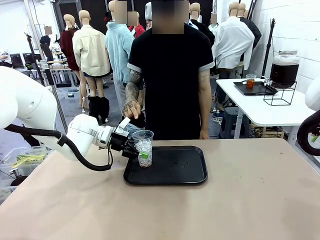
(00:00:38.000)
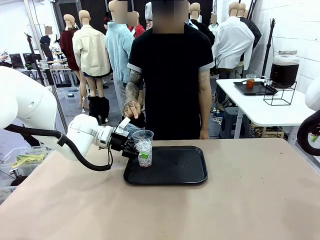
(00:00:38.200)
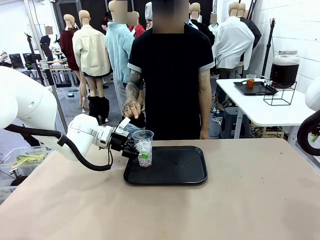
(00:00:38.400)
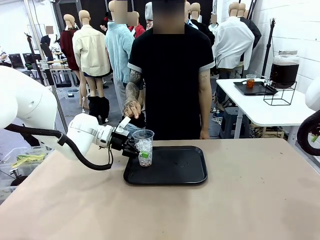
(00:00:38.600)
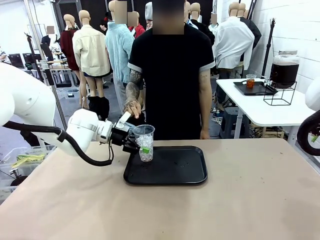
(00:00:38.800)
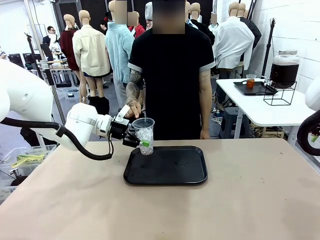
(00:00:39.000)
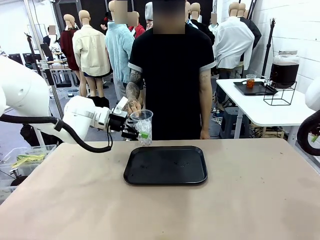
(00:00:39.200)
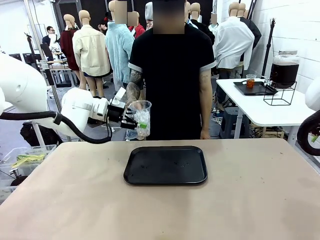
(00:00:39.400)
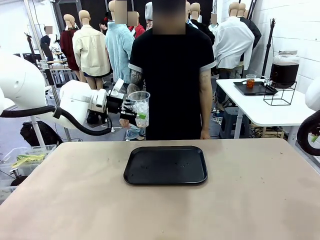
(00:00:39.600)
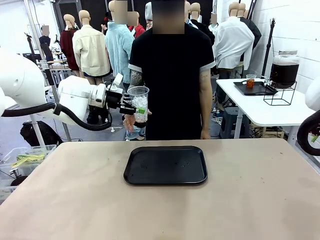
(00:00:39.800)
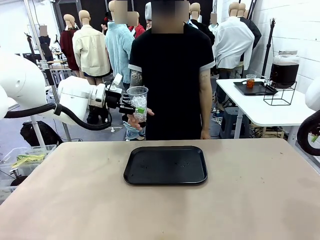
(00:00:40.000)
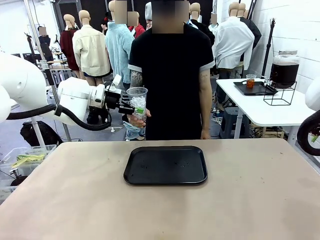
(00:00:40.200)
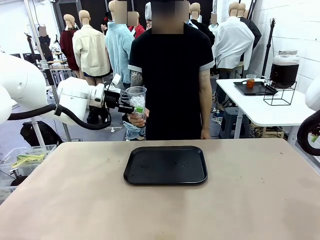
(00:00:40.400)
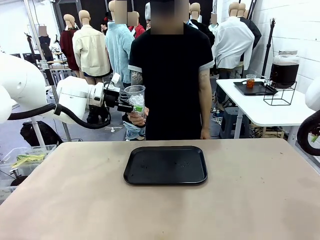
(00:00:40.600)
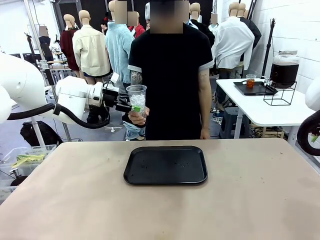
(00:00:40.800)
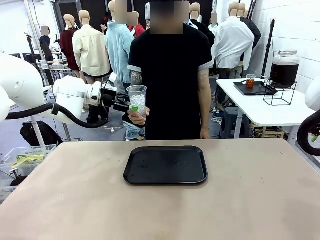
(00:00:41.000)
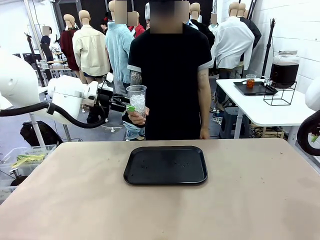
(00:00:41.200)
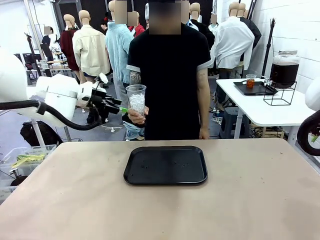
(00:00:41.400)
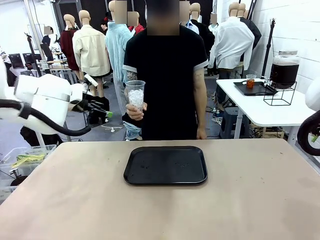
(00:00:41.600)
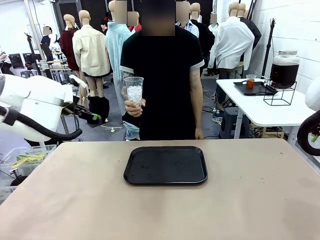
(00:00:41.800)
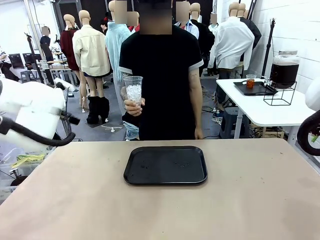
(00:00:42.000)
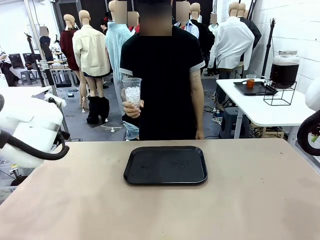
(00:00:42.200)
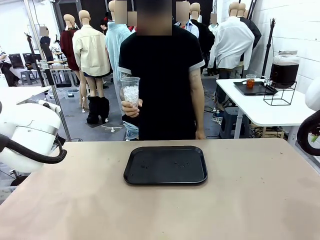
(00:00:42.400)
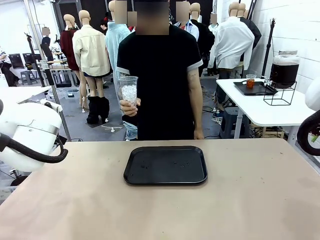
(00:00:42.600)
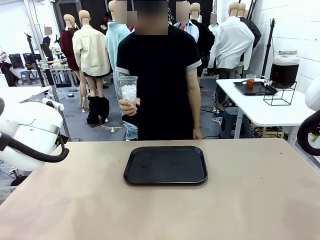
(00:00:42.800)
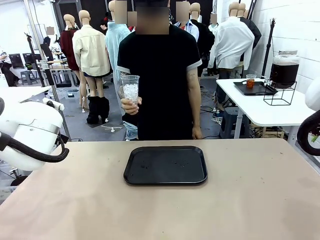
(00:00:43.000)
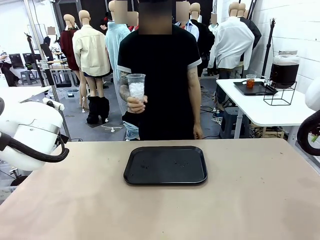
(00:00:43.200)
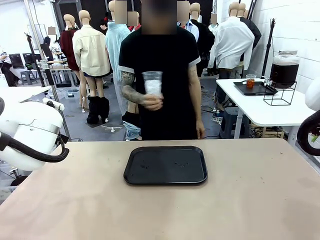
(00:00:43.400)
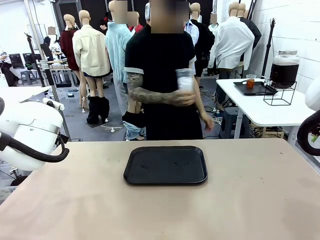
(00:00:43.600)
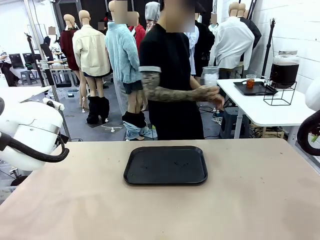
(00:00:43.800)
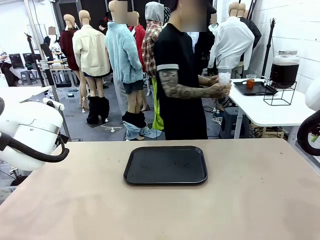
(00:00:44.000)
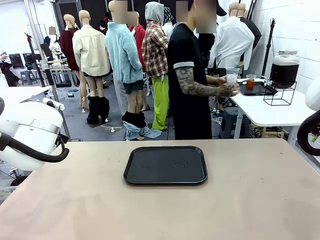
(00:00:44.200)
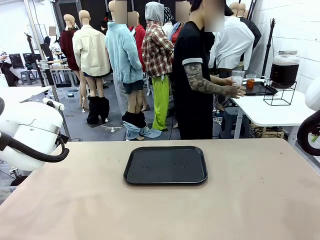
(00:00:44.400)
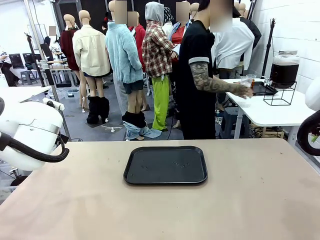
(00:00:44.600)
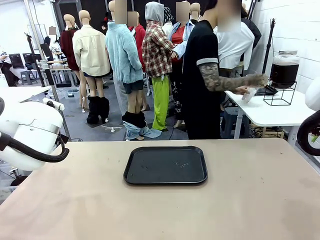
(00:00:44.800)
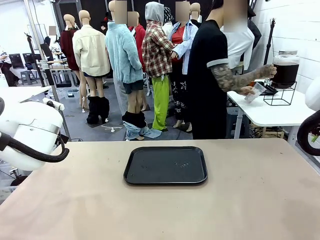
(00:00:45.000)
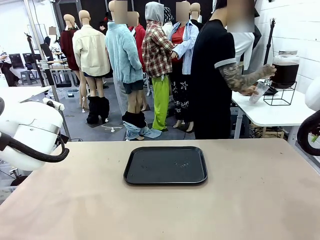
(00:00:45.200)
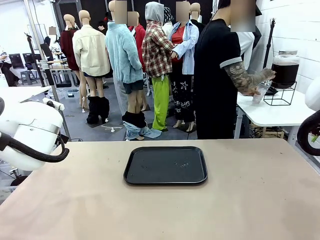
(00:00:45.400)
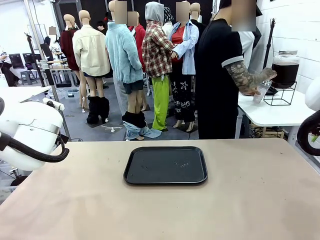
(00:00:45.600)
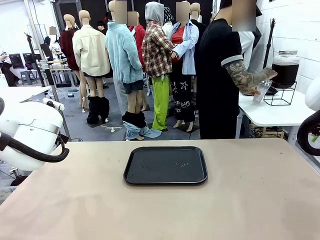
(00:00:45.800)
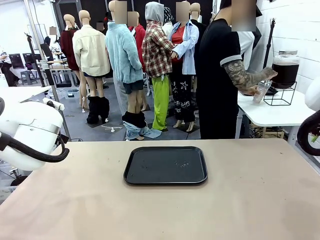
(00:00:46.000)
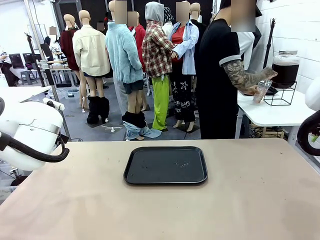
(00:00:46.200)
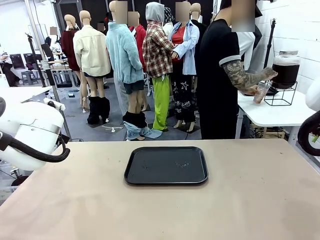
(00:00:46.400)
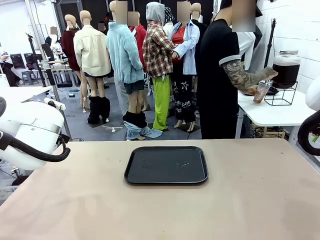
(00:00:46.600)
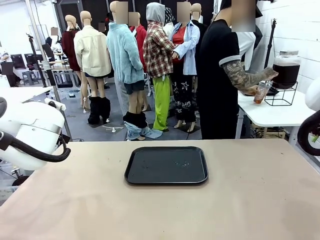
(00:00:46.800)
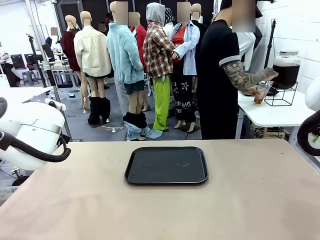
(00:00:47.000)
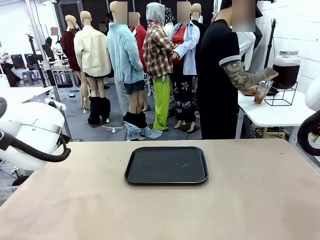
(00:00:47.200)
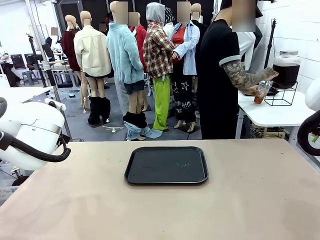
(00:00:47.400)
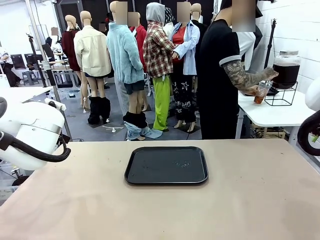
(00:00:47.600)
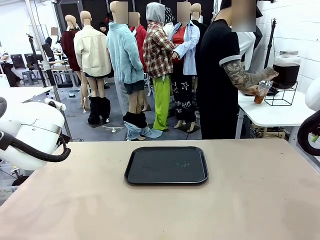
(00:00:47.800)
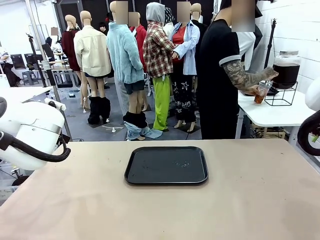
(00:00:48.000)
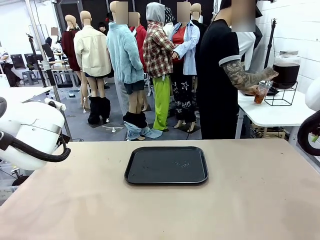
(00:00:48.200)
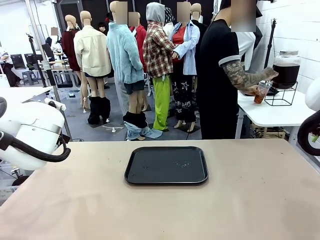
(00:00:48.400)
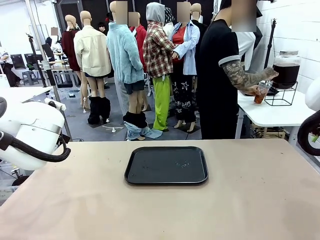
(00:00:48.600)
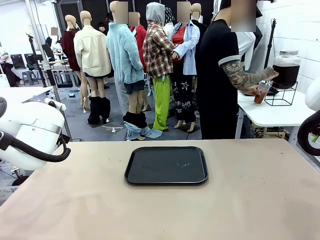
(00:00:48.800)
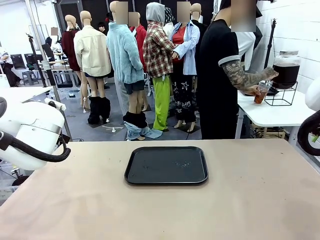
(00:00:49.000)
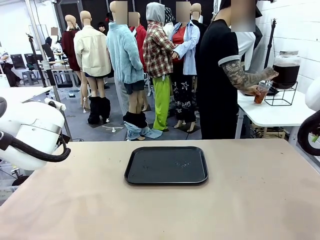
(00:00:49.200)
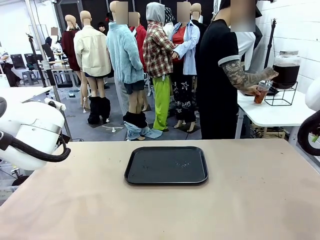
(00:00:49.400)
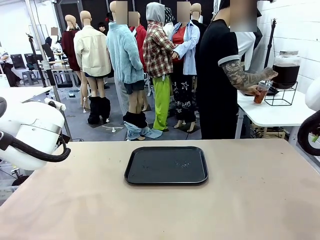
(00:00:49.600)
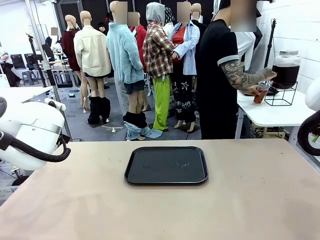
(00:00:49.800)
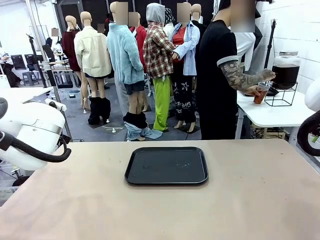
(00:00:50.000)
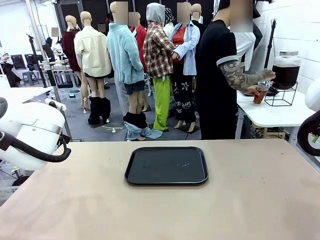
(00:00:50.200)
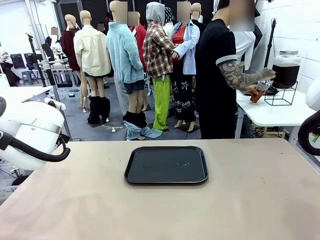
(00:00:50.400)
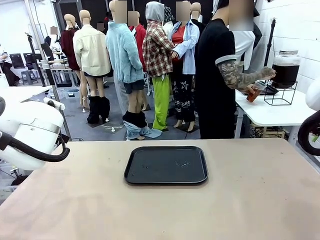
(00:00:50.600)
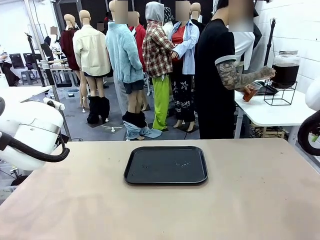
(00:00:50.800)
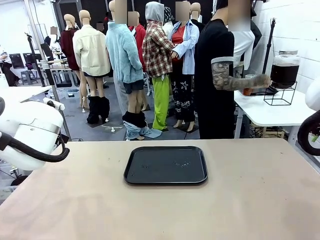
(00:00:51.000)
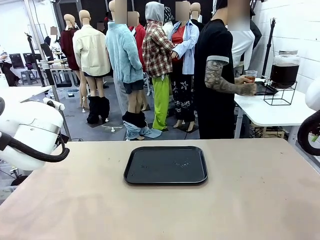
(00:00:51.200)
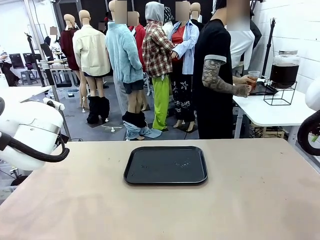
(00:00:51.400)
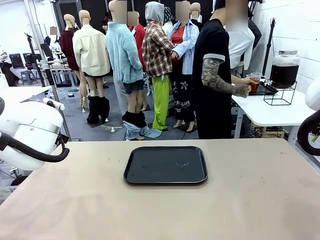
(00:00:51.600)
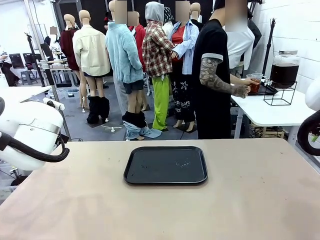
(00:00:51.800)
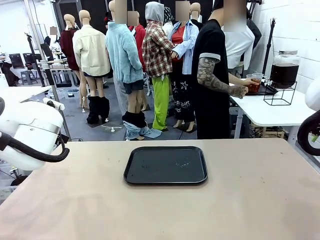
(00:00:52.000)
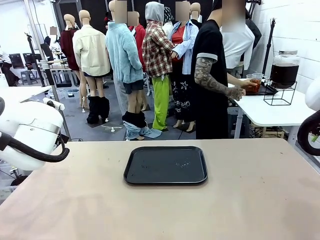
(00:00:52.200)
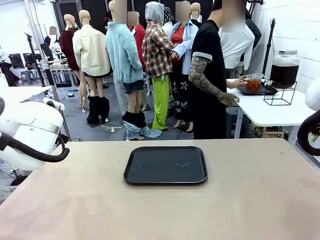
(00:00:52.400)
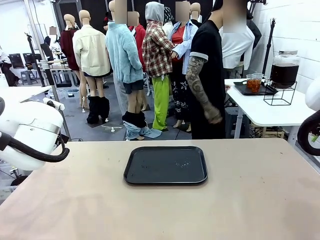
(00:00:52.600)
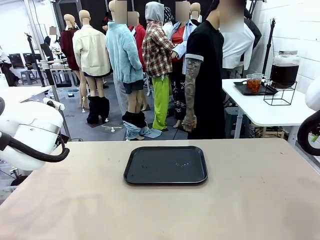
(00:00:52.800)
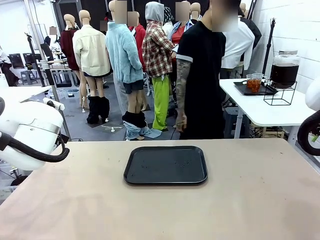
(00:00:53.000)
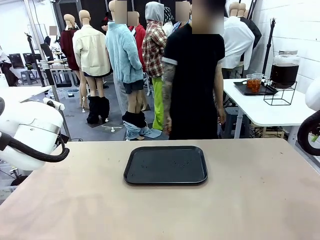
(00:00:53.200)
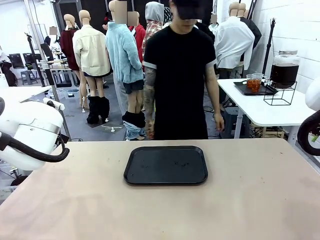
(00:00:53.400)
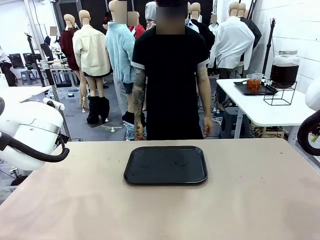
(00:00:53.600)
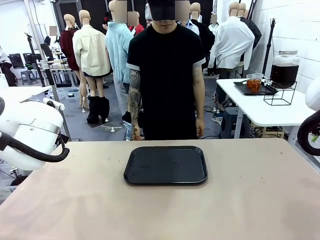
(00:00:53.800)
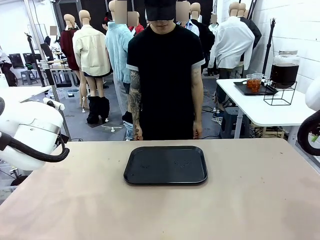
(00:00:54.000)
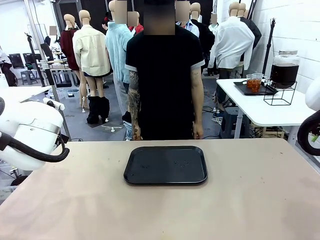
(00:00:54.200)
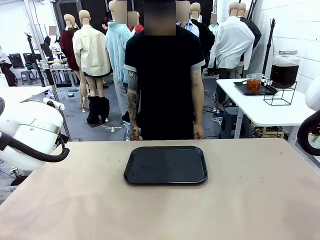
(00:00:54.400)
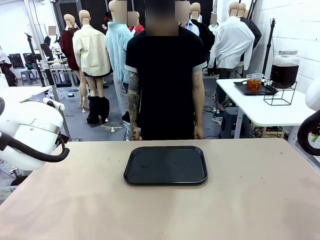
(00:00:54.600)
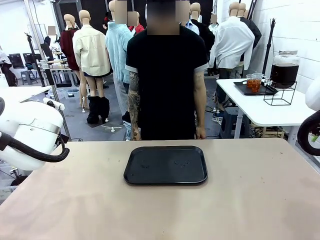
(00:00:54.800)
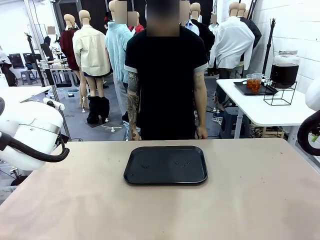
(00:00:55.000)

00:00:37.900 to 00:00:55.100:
Task: Pour the drink into the iced cup.
Robot: Open the gripper to release the iced cup you were holding.
Person: Move the picked-up cup under the dispenser faucet, pour the drink, and place it on the tray on the human table.
